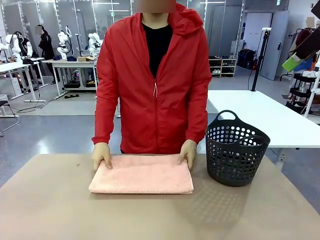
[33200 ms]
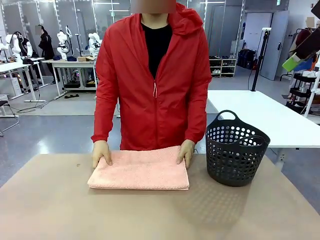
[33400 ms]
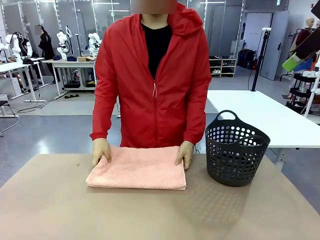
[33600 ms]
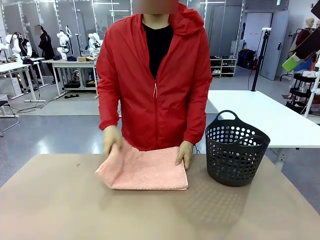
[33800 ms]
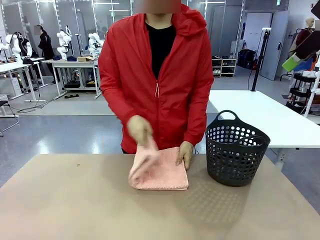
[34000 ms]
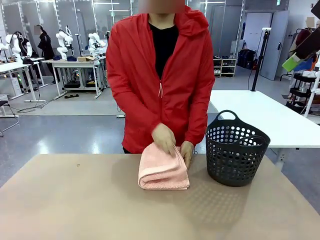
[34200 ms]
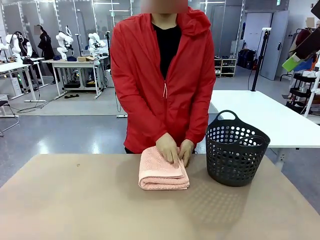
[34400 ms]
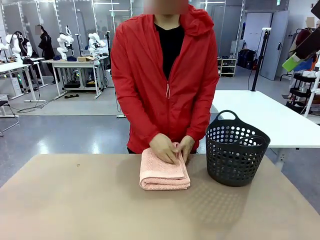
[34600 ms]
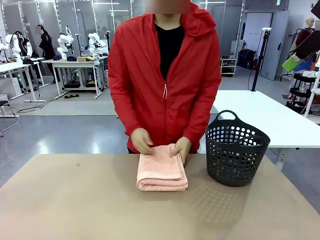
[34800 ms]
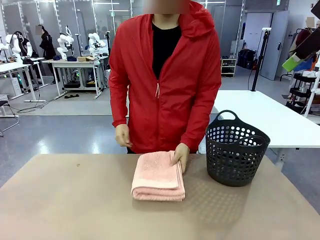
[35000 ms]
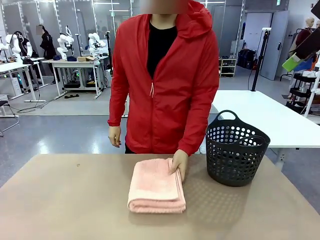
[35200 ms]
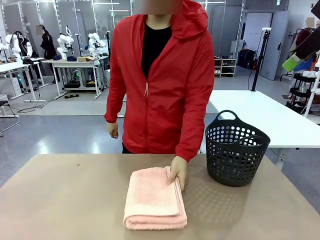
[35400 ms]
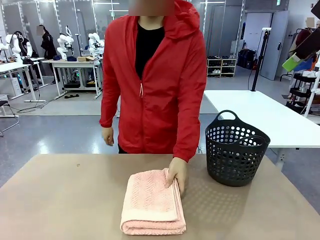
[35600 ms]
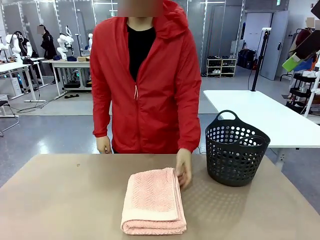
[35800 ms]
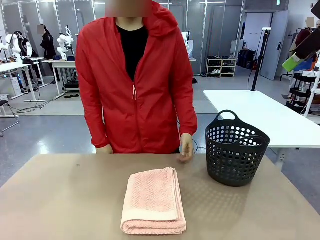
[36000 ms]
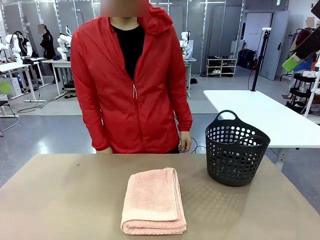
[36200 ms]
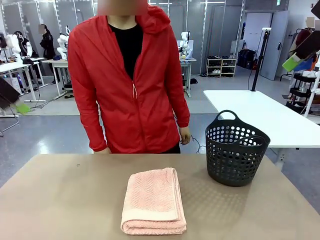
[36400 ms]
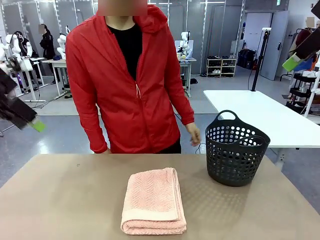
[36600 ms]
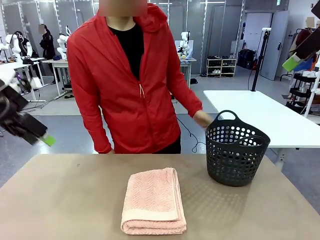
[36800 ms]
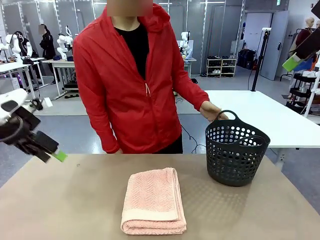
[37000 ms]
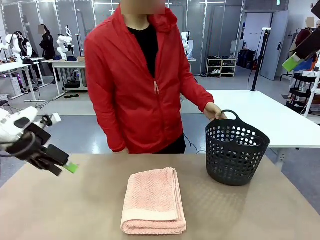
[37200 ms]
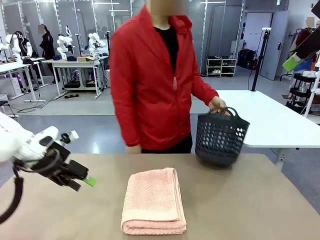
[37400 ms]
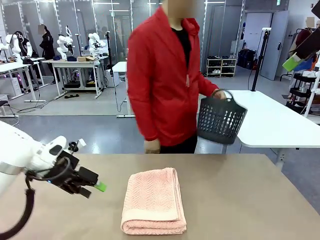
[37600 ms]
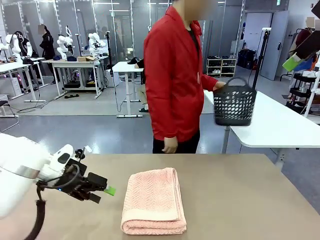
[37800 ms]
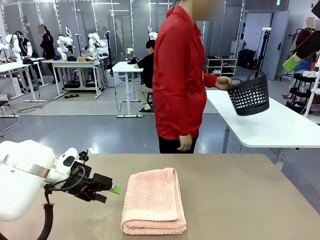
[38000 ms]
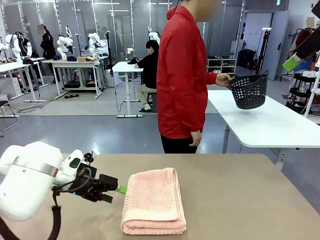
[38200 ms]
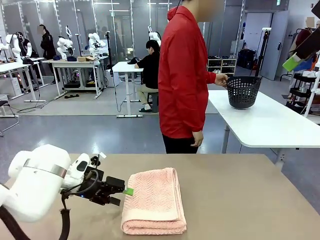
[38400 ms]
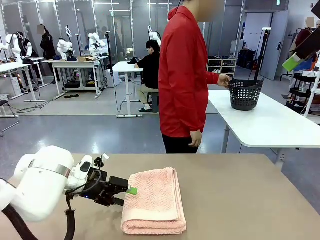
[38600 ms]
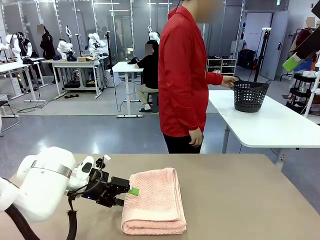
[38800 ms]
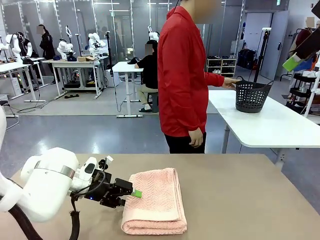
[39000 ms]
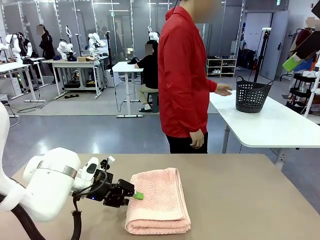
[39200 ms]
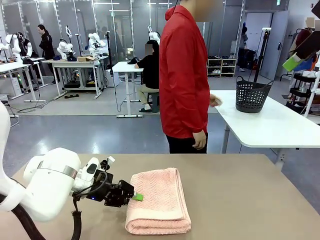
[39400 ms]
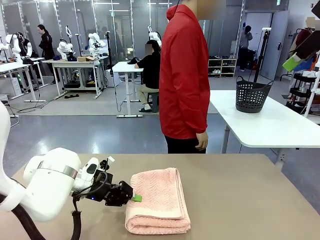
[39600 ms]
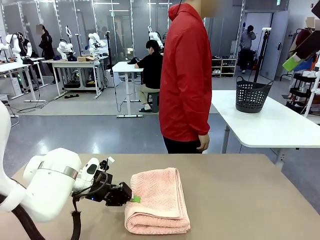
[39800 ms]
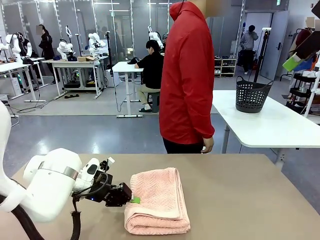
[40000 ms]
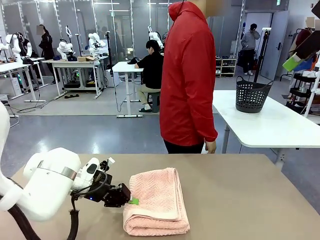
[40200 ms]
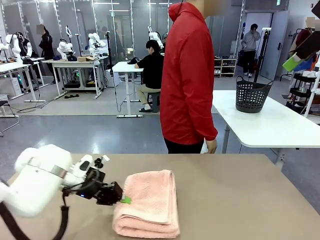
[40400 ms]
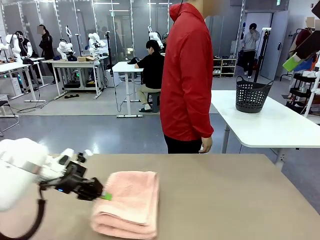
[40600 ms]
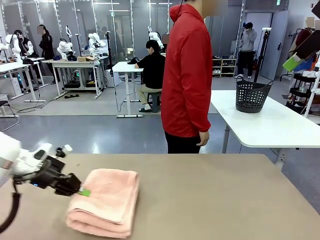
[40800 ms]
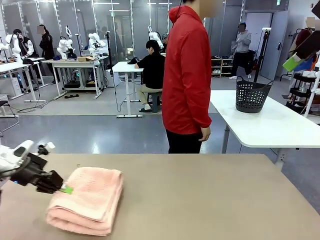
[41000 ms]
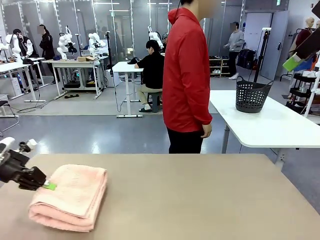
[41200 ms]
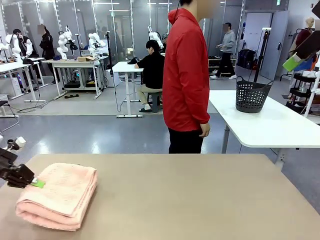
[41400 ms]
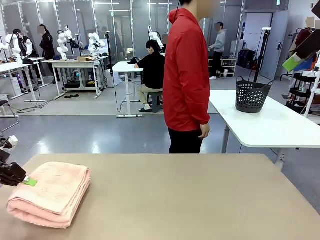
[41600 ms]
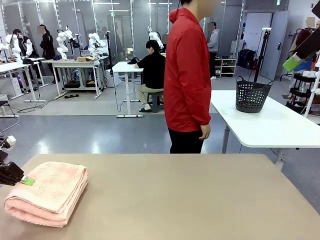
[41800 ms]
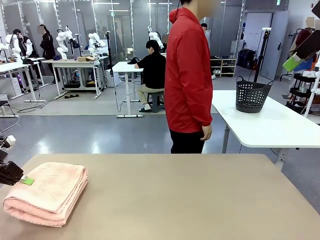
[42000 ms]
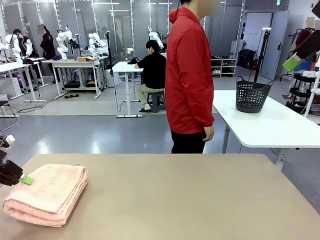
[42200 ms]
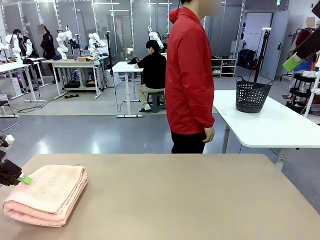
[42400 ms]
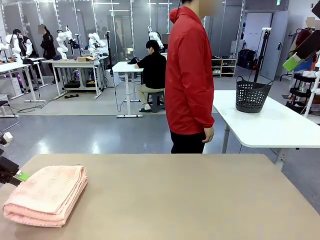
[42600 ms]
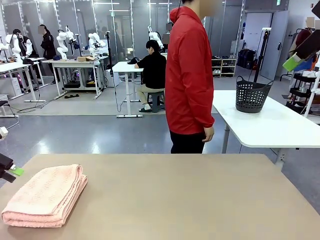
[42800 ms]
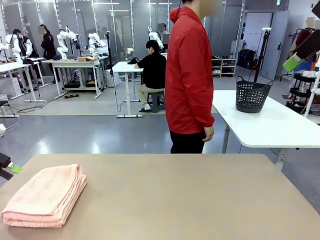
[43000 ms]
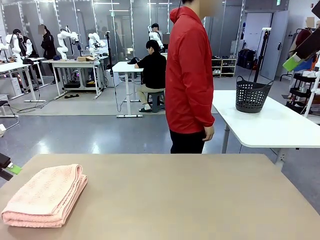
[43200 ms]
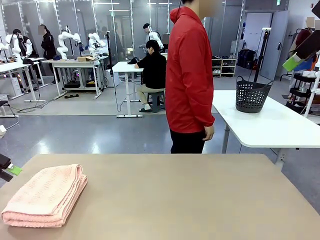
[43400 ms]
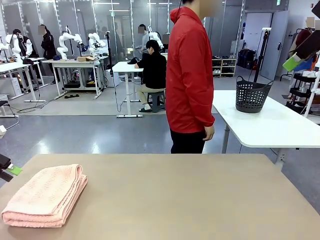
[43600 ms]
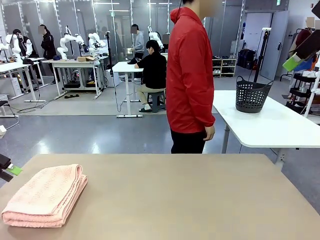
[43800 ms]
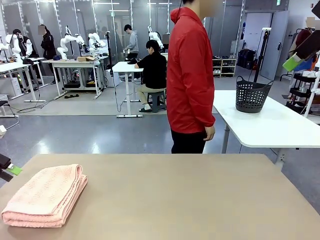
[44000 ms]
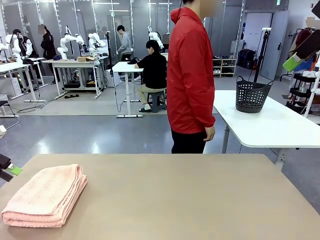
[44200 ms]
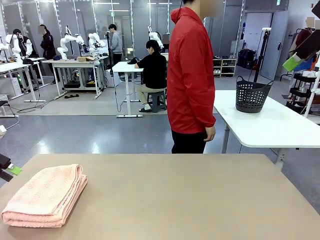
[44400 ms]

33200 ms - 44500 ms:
Task: Fold the towel.
Robot: Pick up the 100 cm Hotel Towel and place it on the left side of the table.
Person: Place the towel at the center of the robot table and fold it in half. Pick up the laundry basket and place it at the center of the human table.

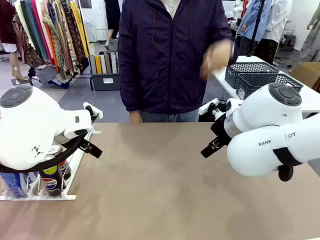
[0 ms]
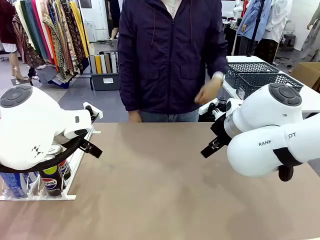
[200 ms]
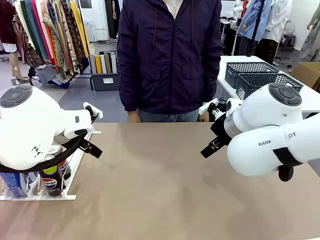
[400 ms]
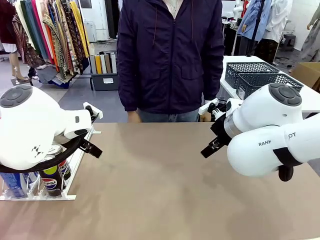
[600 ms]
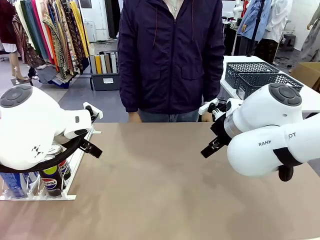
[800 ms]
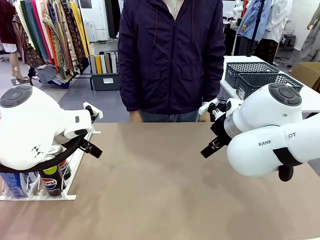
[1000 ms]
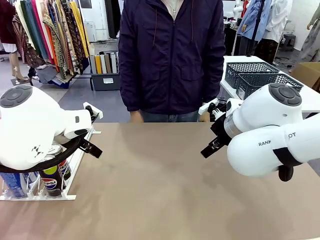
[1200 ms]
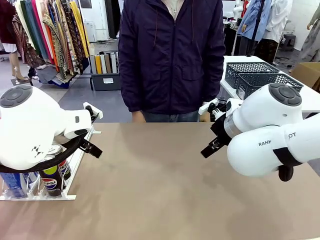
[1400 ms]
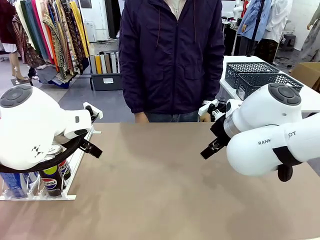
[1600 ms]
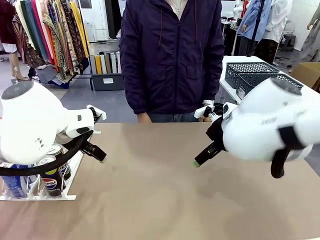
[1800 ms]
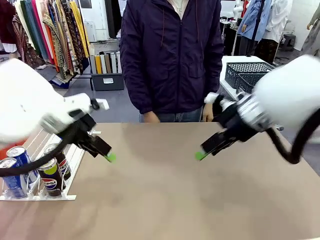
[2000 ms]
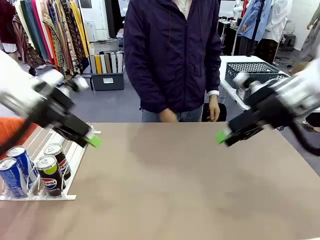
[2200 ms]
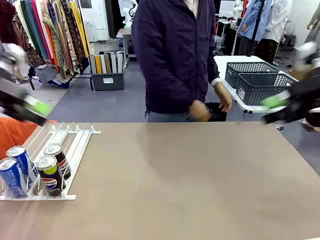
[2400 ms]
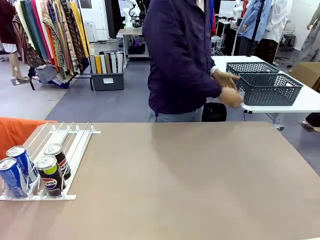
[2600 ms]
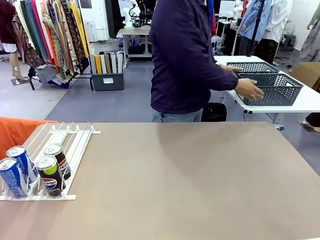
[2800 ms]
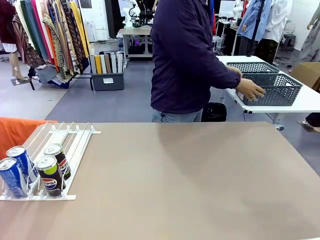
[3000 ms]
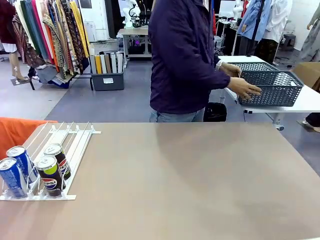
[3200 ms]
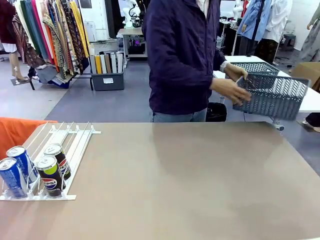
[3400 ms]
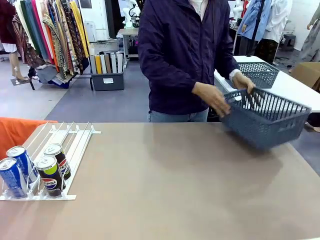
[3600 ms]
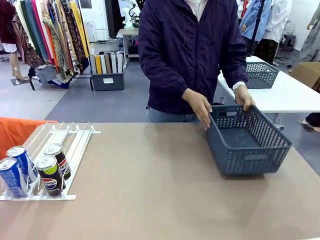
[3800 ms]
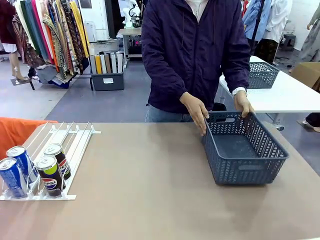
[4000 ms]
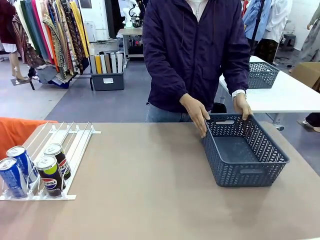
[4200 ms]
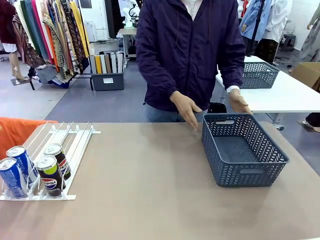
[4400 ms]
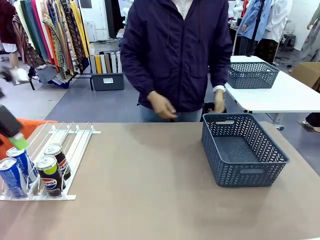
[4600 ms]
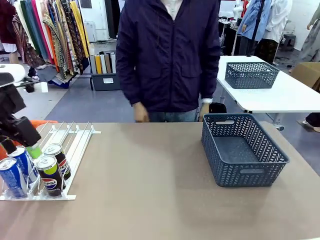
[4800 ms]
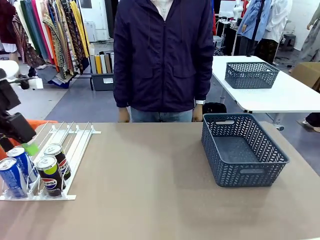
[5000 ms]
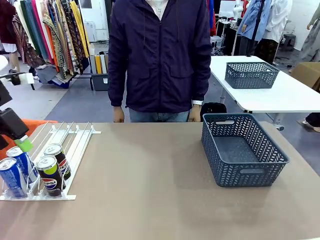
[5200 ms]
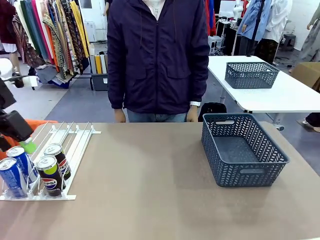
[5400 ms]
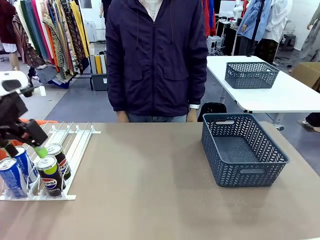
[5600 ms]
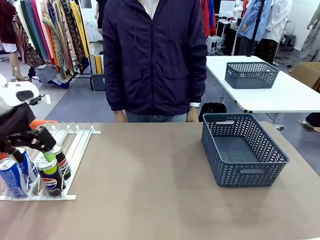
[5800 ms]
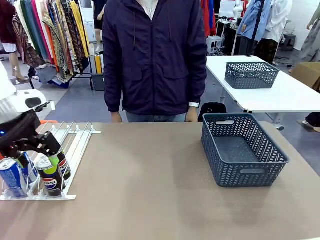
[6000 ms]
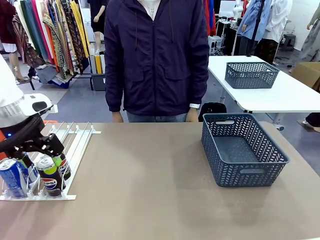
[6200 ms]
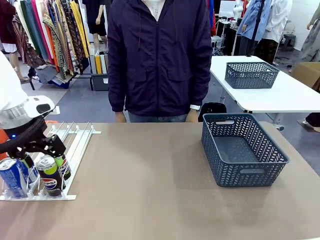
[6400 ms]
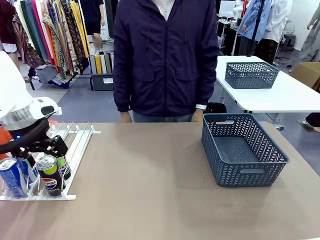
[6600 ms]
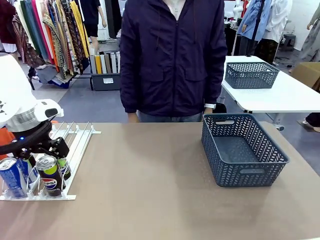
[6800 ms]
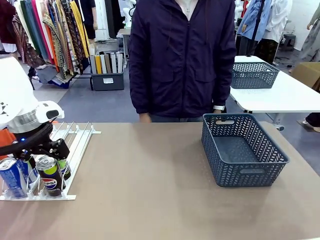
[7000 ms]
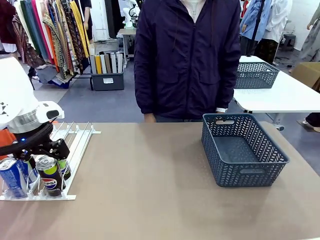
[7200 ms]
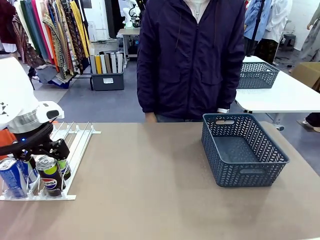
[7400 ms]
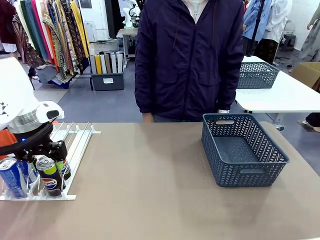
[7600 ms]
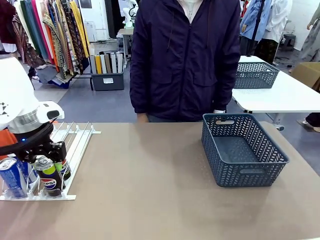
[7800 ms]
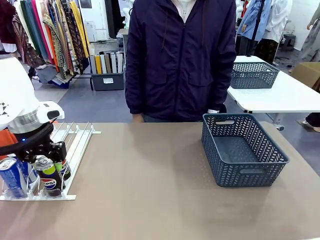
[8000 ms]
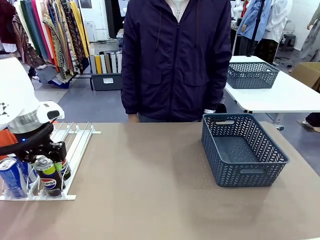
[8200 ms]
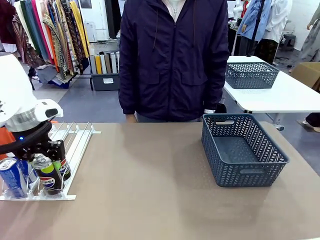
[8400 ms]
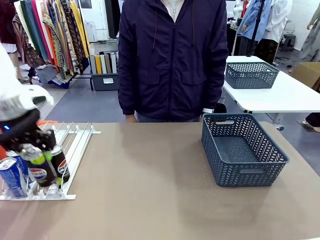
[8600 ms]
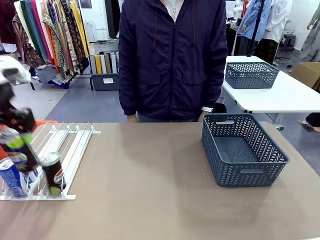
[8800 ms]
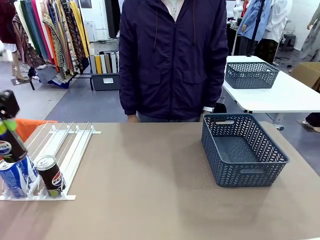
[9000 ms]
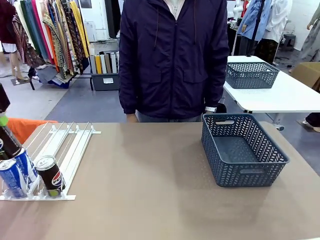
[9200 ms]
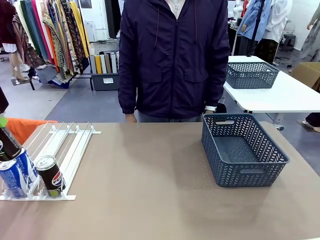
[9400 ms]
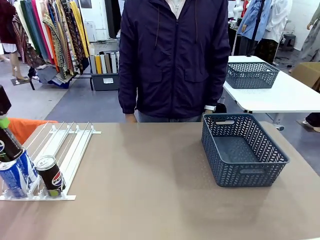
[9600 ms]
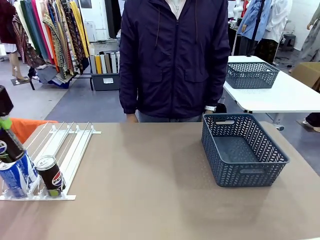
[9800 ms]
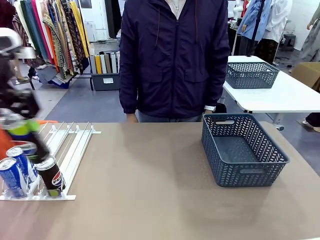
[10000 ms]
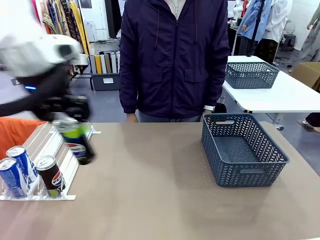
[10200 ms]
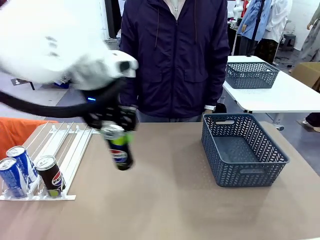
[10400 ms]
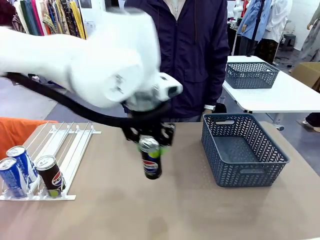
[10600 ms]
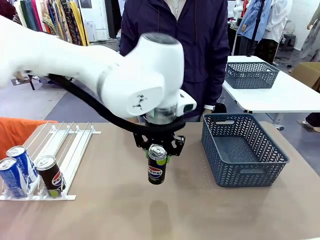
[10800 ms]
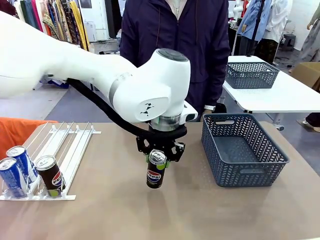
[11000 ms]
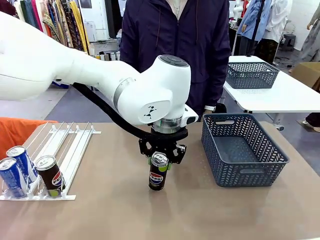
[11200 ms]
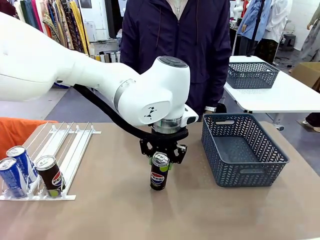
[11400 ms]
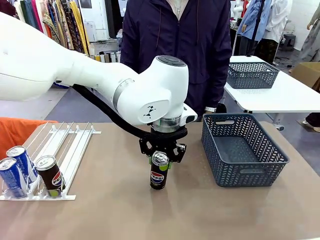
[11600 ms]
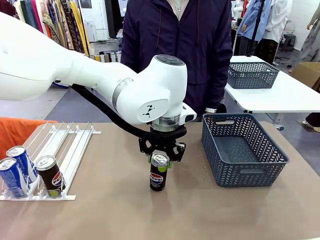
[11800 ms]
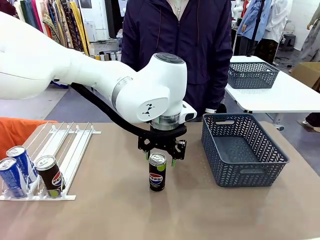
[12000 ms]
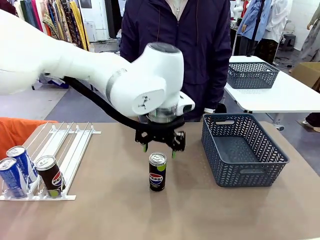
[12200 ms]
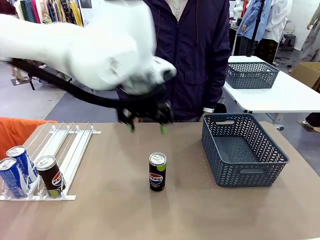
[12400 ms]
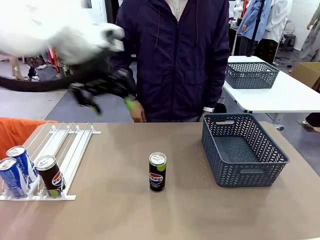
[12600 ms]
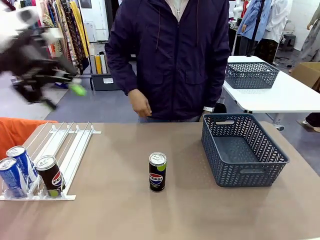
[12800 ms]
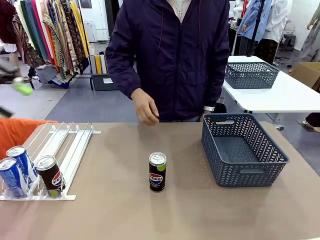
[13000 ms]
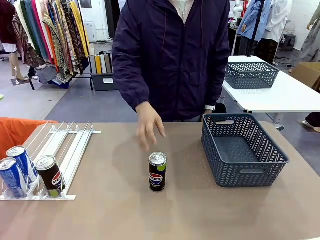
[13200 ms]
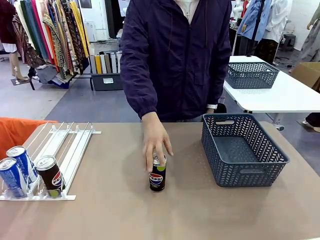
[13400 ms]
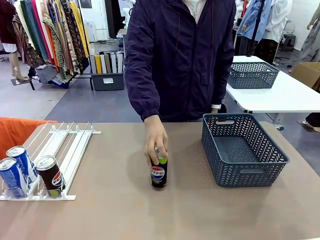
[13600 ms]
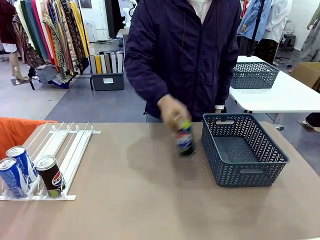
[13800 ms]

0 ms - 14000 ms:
Task: Retrieve and store the cans from the dispenser.
Robot: Pick up one can from the Automatic Can Dispenser and place it in the middle of the table.
Person: Pick up the basket and place it on the left side of the robot table.
